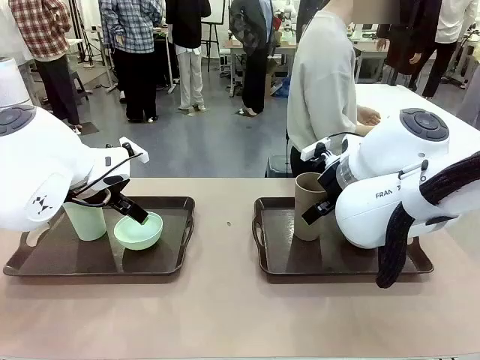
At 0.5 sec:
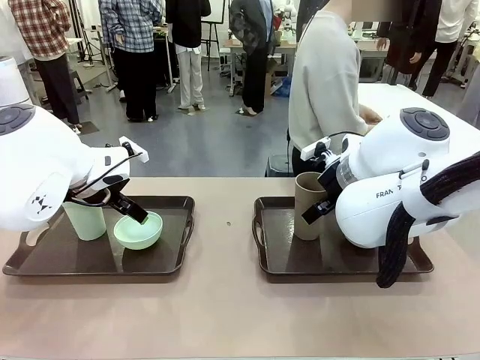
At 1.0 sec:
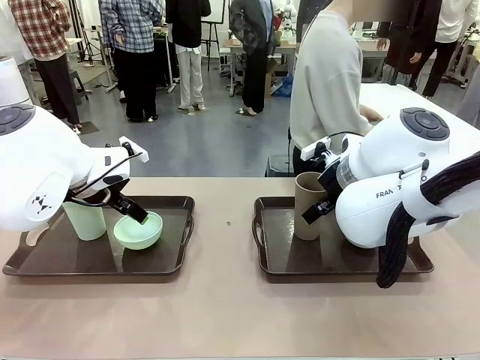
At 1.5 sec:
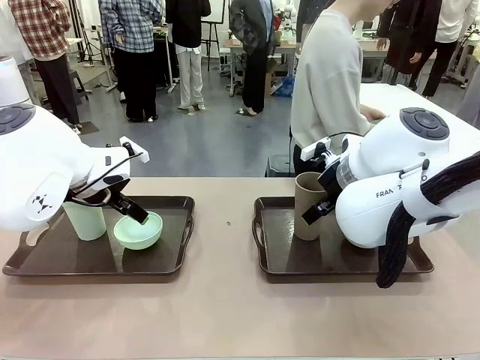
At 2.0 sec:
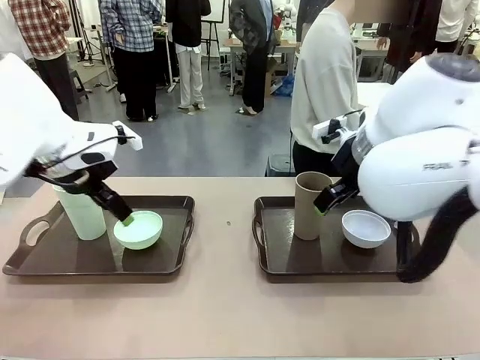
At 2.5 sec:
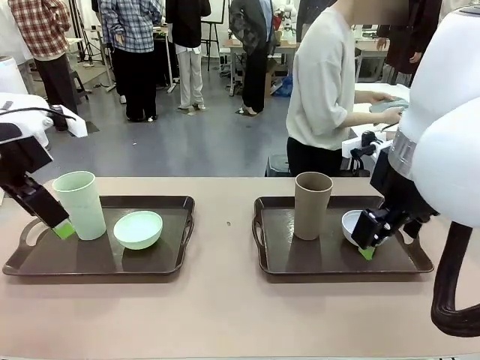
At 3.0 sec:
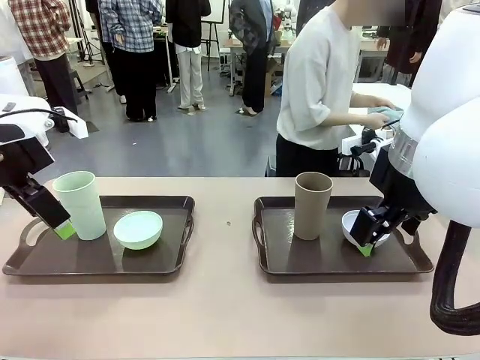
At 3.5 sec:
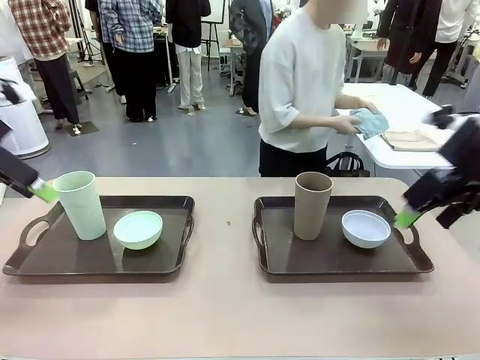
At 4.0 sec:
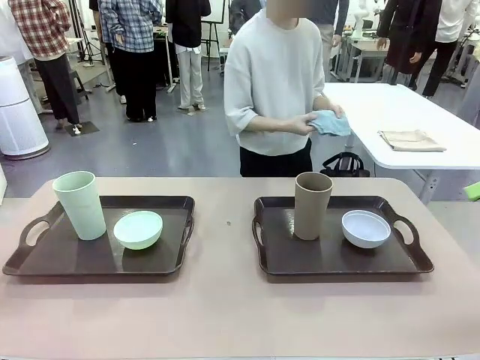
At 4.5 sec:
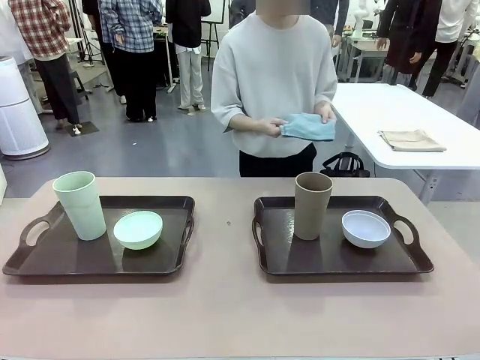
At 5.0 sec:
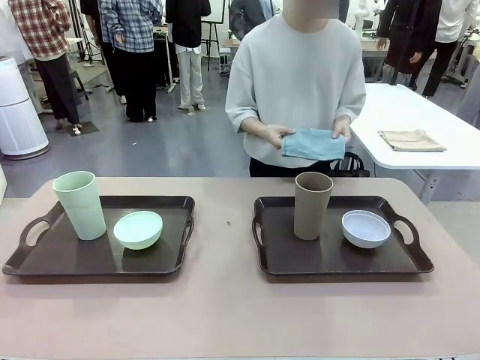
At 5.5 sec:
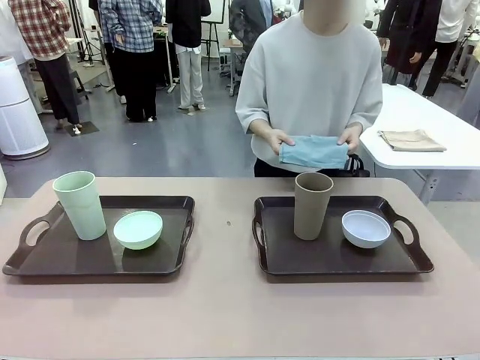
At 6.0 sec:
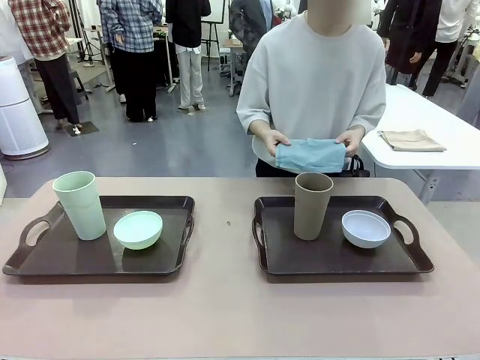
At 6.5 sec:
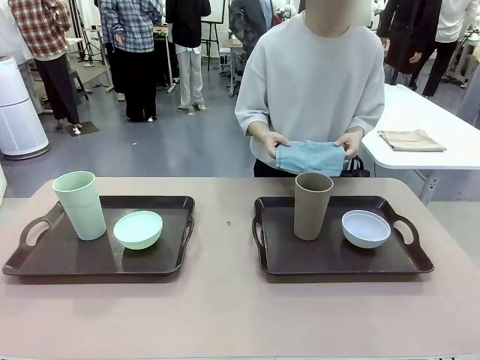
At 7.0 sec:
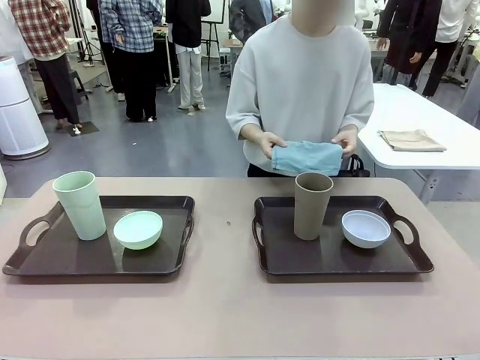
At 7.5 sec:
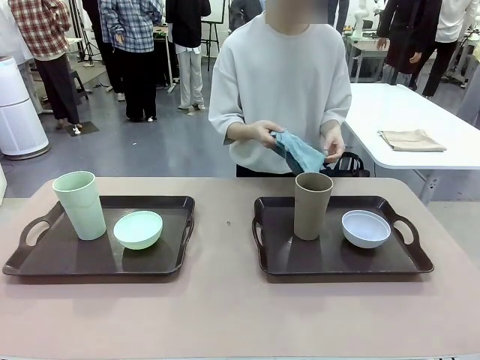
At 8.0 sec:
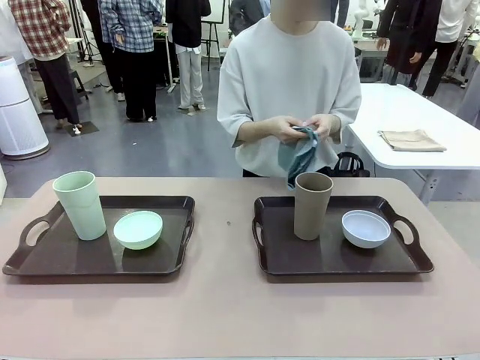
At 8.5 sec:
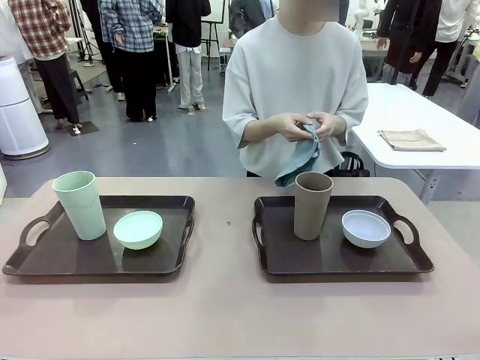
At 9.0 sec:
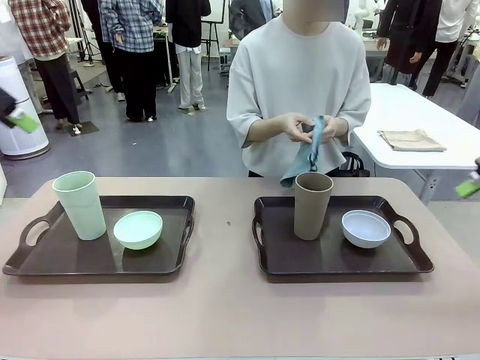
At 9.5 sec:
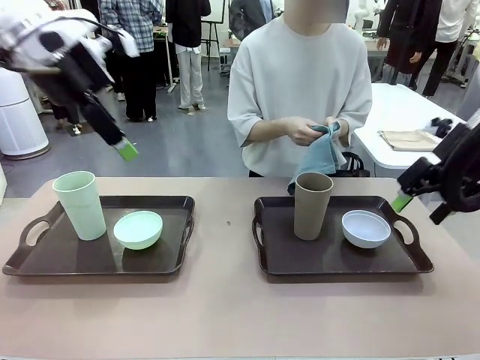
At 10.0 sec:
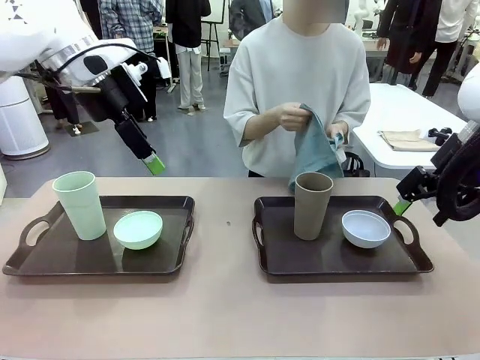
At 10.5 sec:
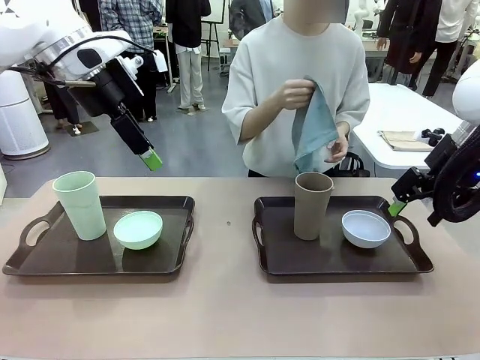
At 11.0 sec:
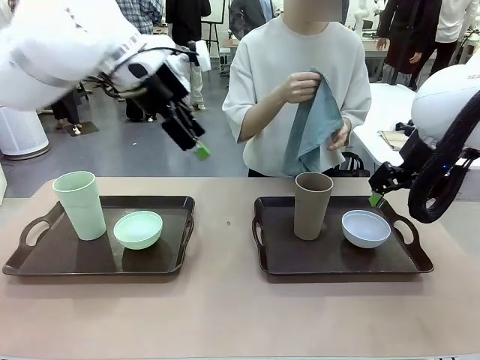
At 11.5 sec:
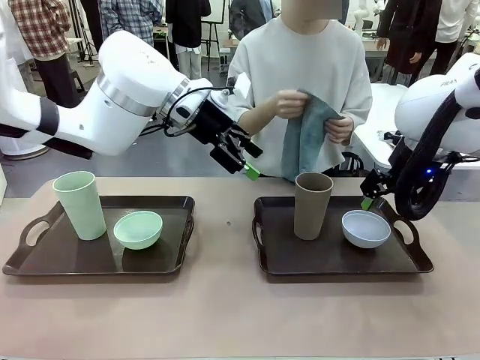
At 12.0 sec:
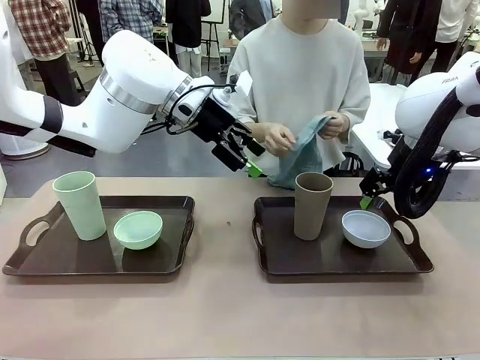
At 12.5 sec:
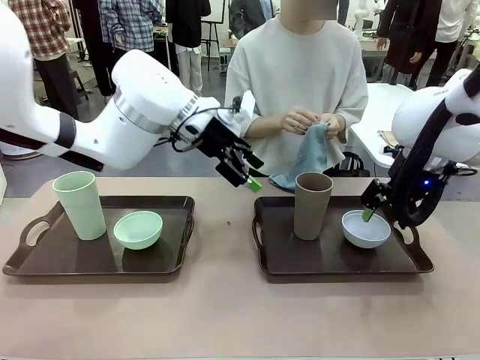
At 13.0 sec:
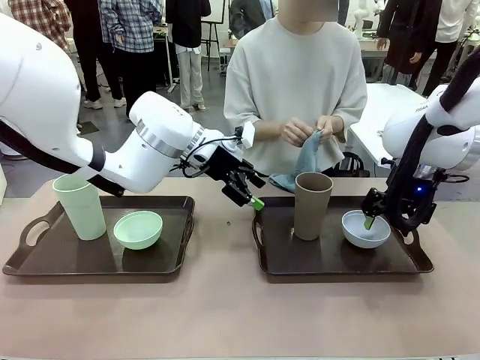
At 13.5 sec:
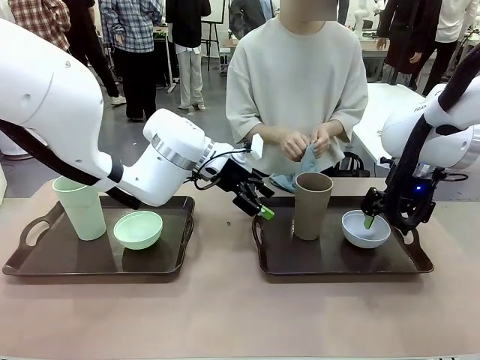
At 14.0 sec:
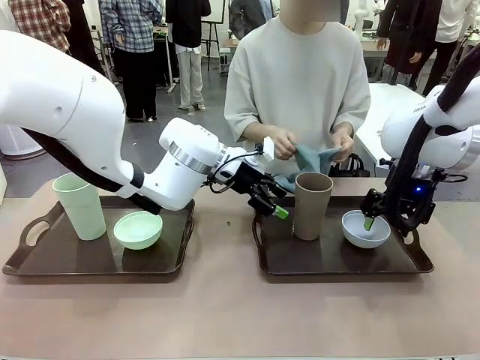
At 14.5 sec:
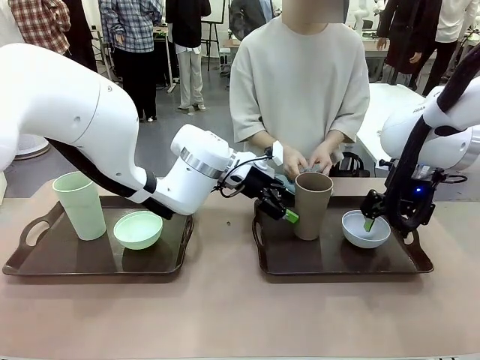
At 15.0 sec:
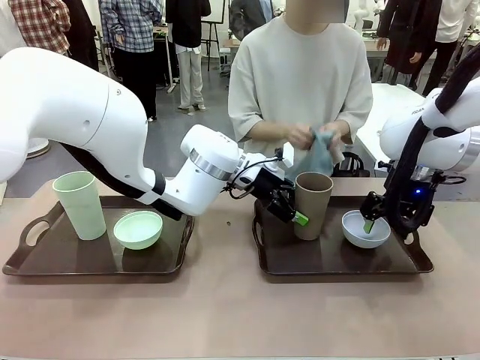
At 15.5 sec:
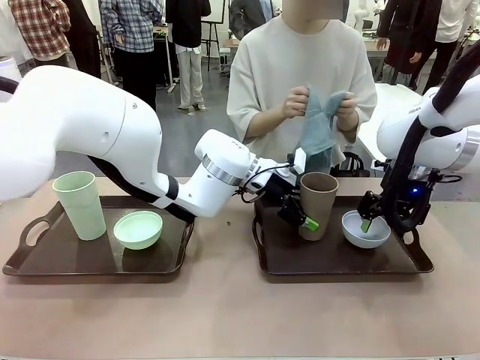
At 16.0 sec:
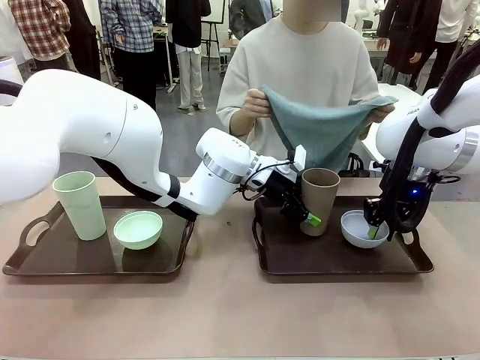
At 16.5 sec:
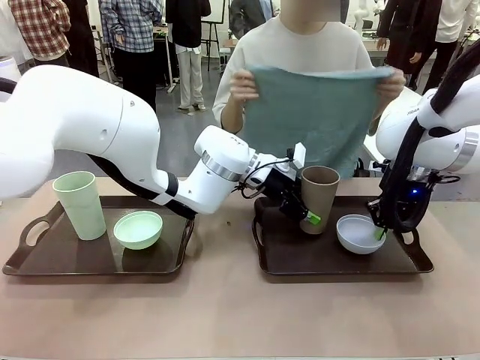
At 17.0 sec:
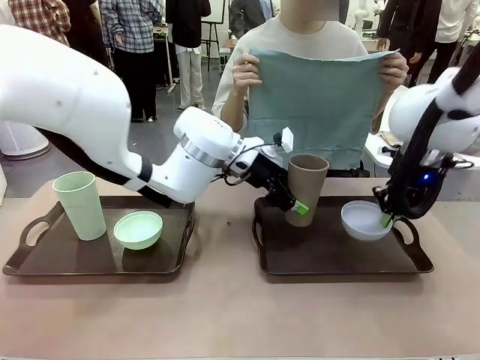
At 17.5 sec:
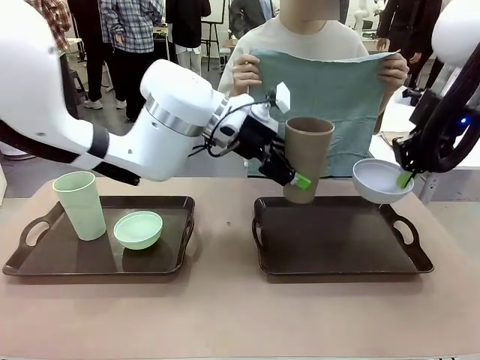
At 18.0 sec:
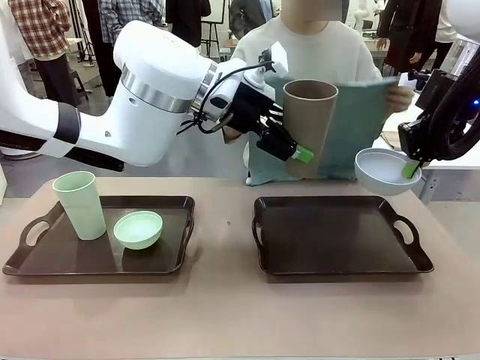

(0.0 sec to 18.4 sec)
Robot: Pick up the Picnic Bowl and Reusable plastic cup from the Handle tray in front of the human's position and hold them in the air.
Person: The human picks up the top napkin from the stack on the human table and walks to the robot table to stand in front of one of the two trays. When the robot lifts the bowl and the cup, the human unfolds the napkin and lays the napkin flat on the tray.

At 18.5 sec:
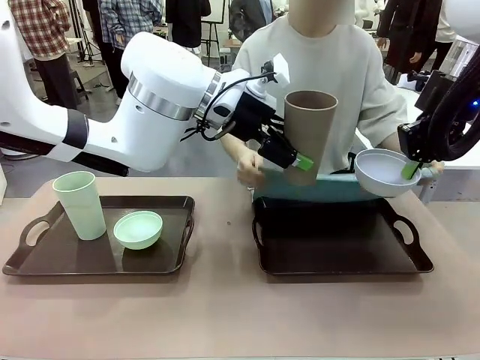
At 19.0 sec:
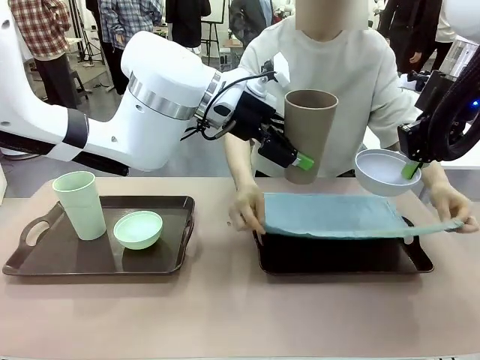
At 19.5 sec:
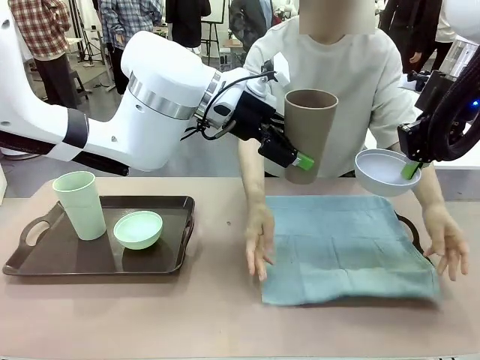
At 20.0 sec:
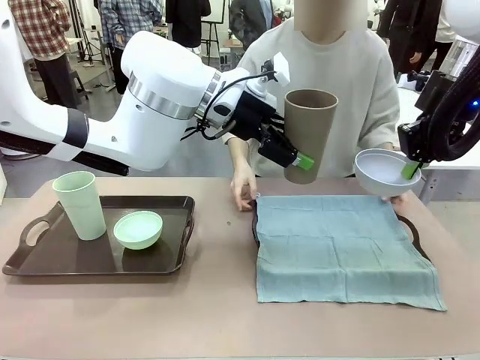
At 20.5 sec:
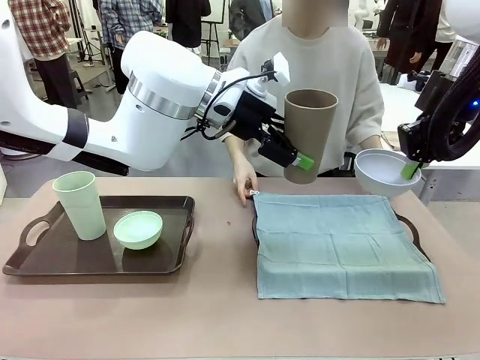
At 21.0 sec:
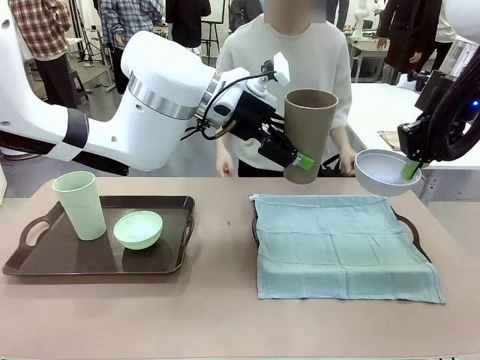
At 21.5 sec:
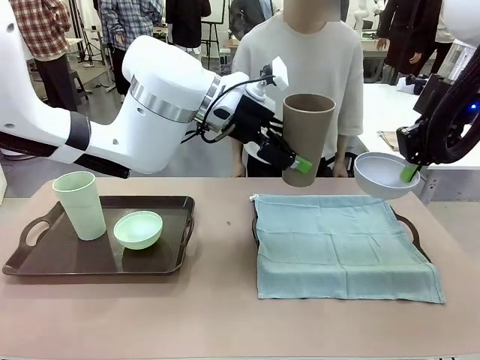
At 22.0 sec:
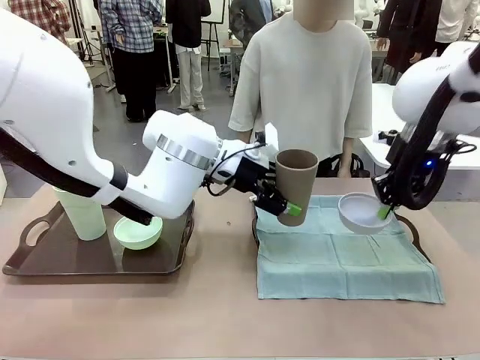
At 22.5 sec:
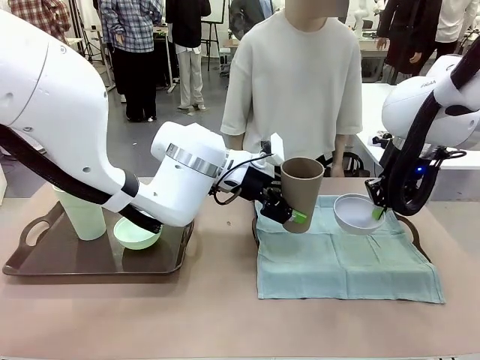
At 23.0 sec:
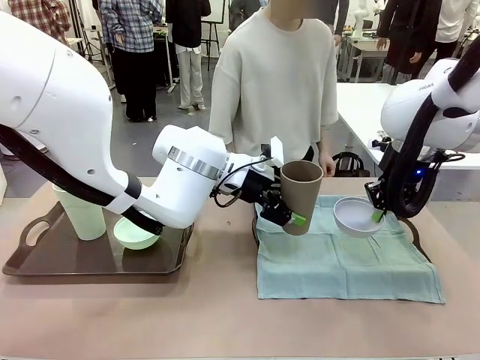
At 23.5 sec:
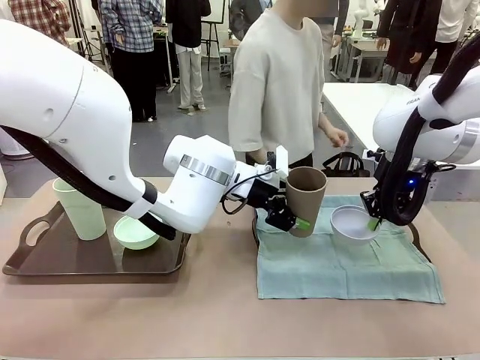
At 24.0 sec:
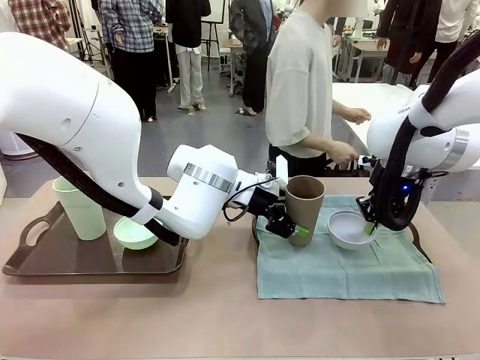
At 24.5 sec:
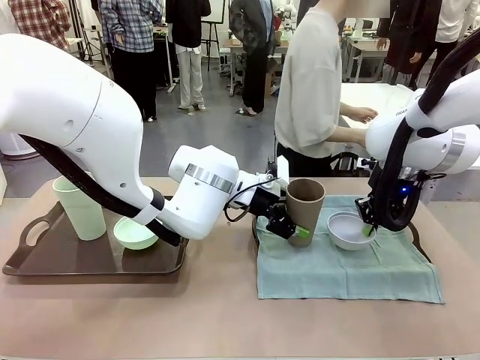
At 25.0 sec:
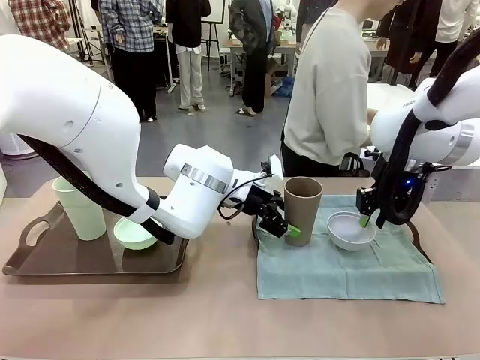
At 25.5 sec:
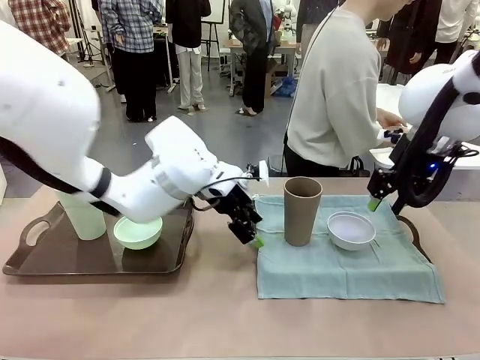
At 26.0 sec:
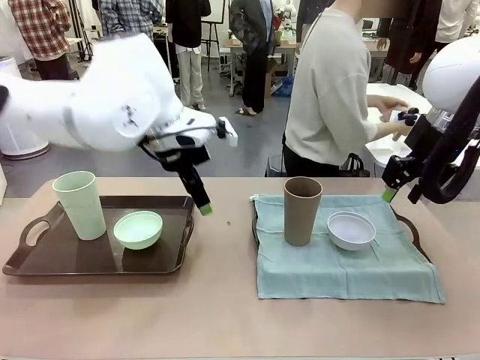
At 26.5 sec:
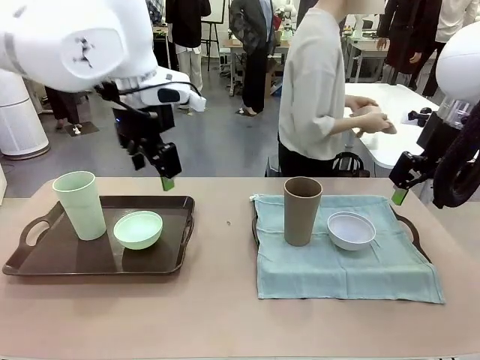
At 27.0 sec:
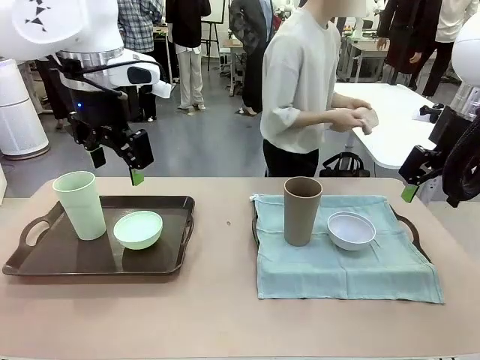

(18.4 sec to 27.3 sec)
Robot: Place the Picnic Bowl and Reusable plastic cup back onto the Handle tray in front of the human's position.
Person: The human returns to the human table to pick up another napkin and walks to the robot table to stand in front of the tray without a napkin.
